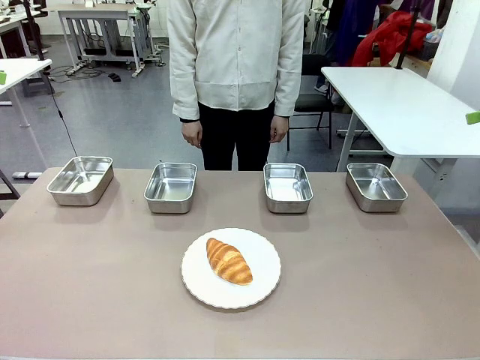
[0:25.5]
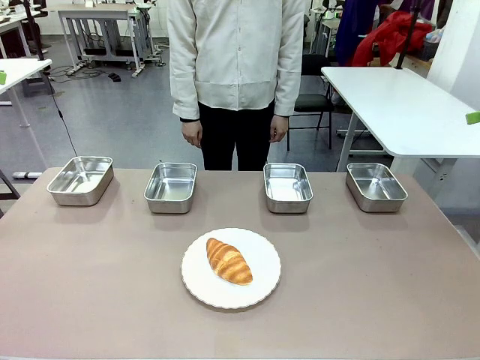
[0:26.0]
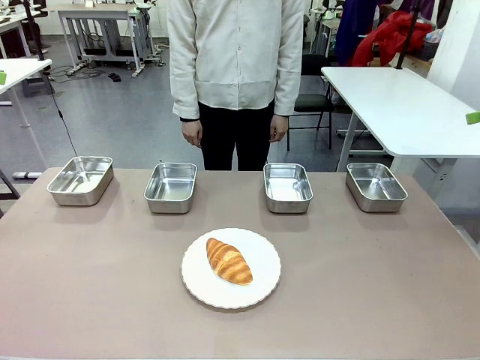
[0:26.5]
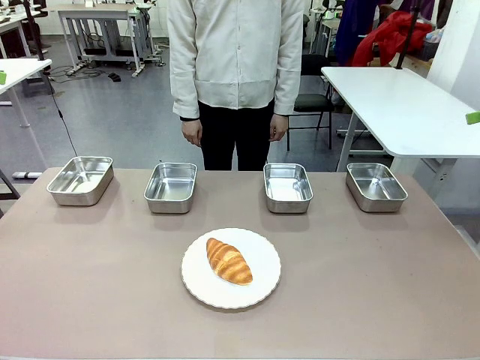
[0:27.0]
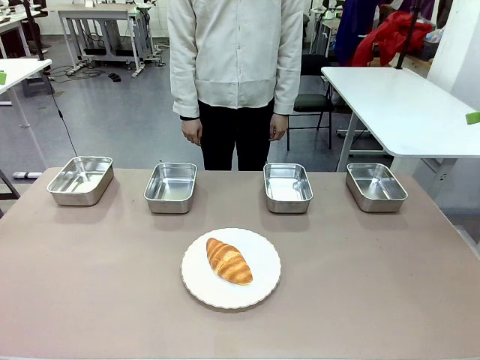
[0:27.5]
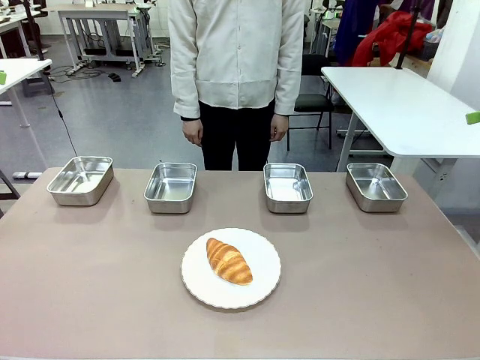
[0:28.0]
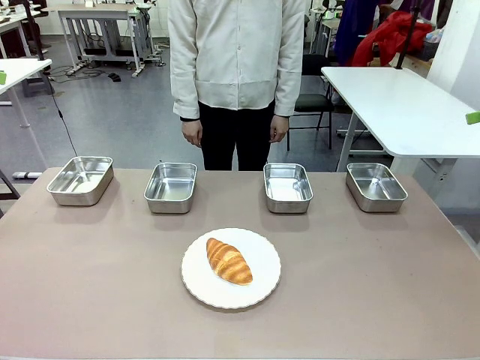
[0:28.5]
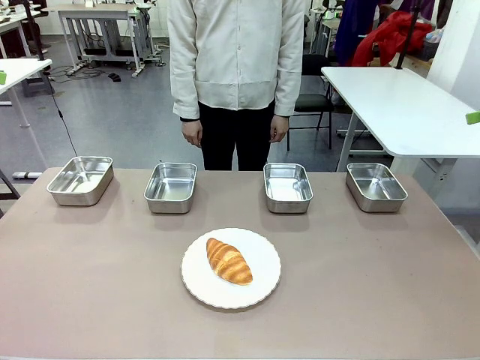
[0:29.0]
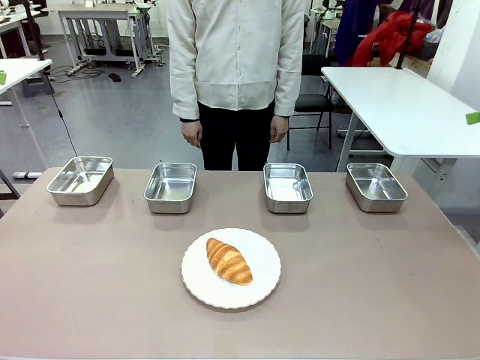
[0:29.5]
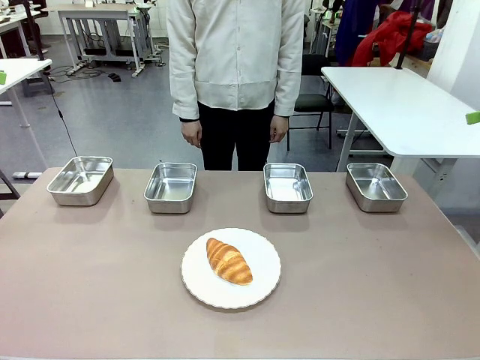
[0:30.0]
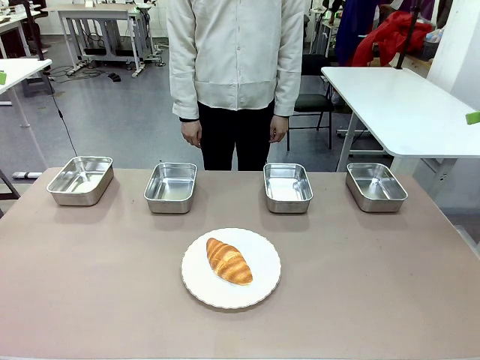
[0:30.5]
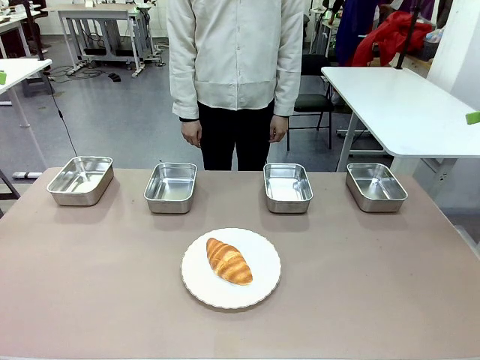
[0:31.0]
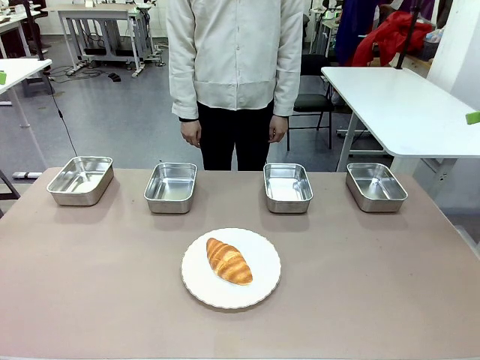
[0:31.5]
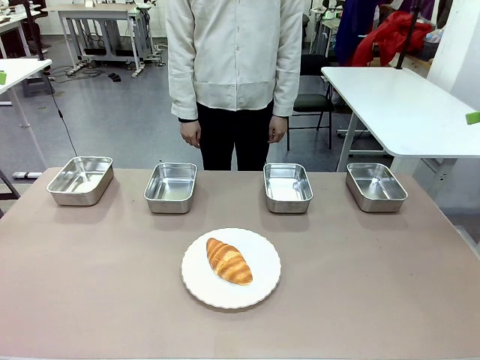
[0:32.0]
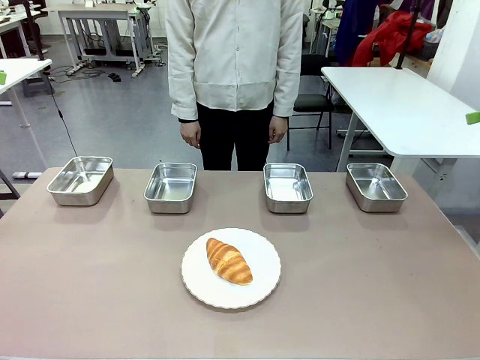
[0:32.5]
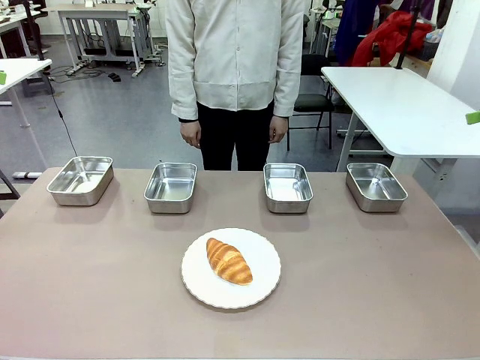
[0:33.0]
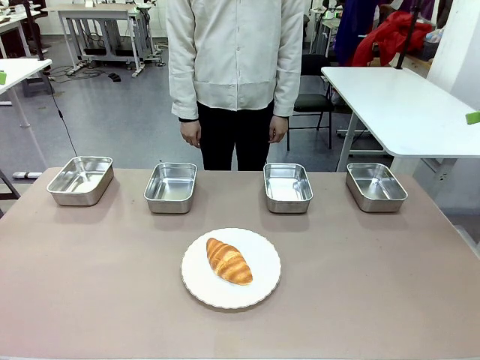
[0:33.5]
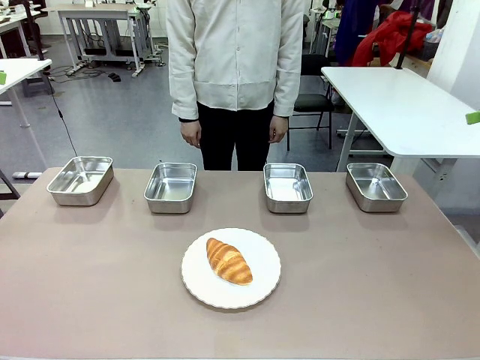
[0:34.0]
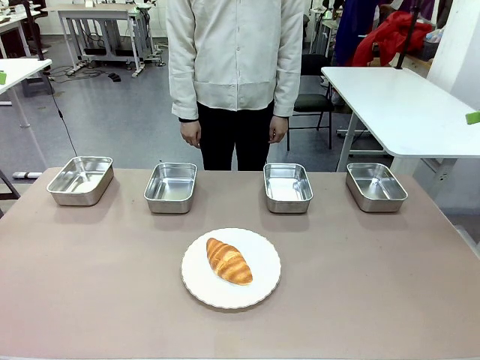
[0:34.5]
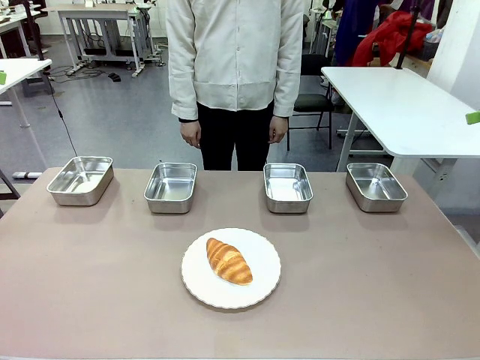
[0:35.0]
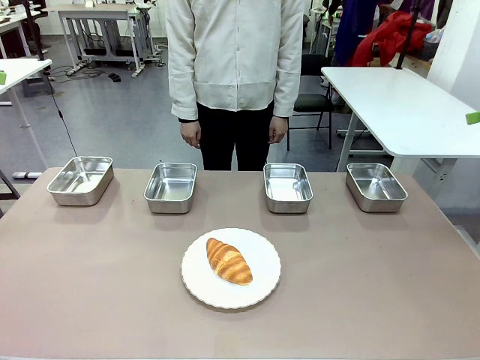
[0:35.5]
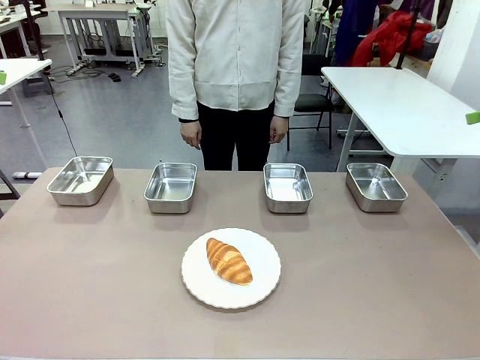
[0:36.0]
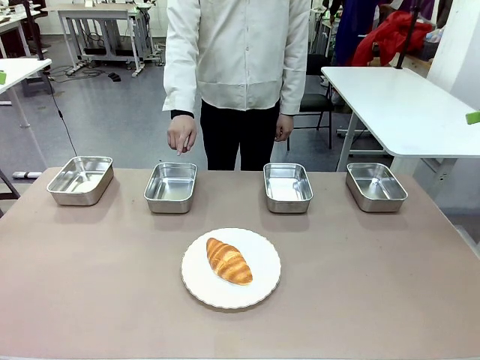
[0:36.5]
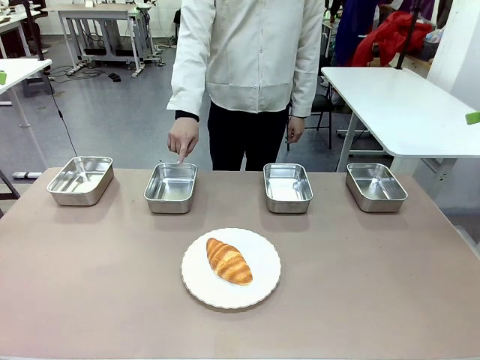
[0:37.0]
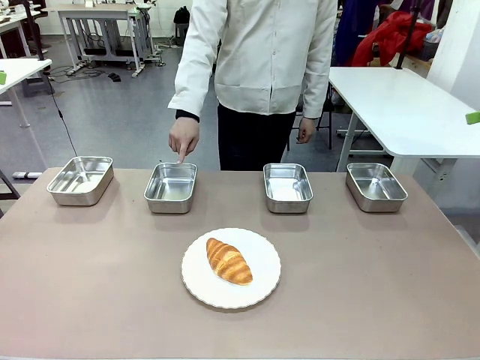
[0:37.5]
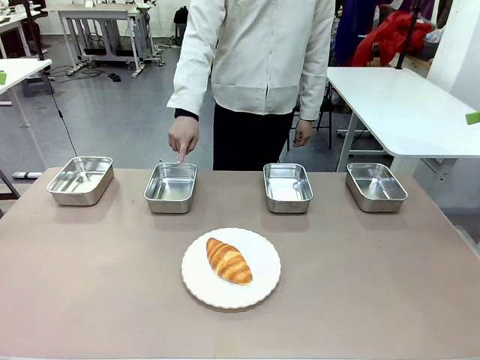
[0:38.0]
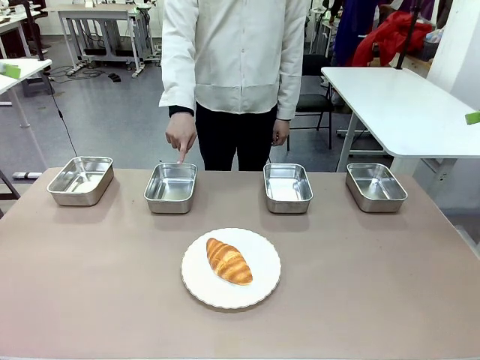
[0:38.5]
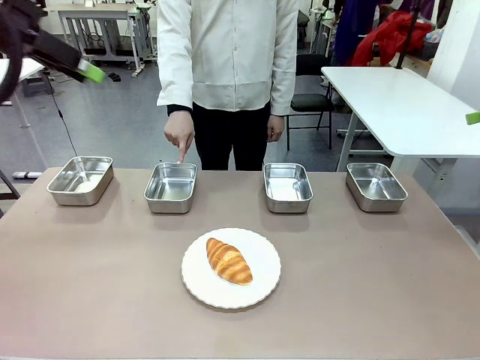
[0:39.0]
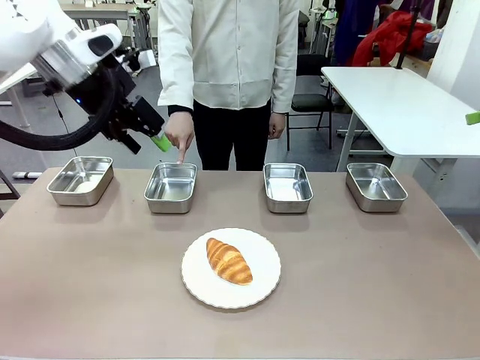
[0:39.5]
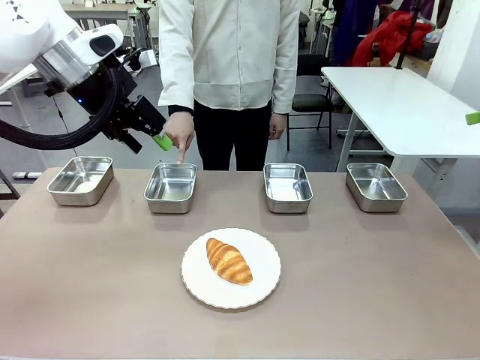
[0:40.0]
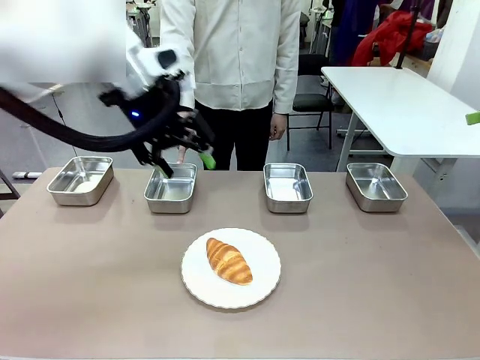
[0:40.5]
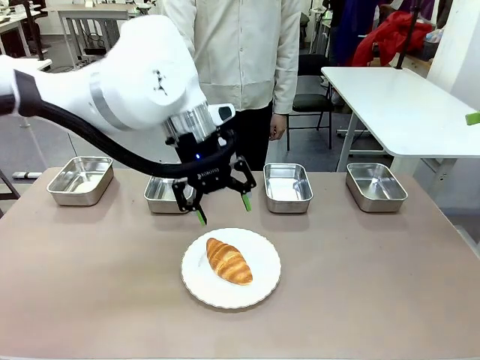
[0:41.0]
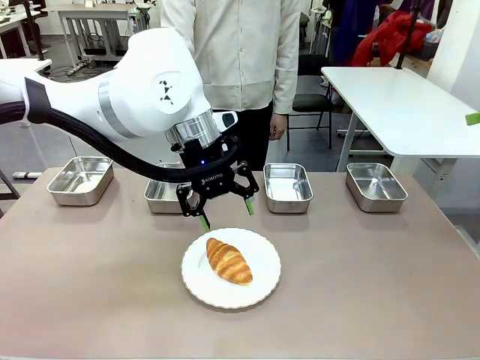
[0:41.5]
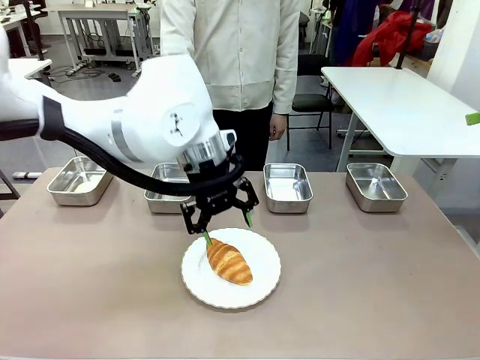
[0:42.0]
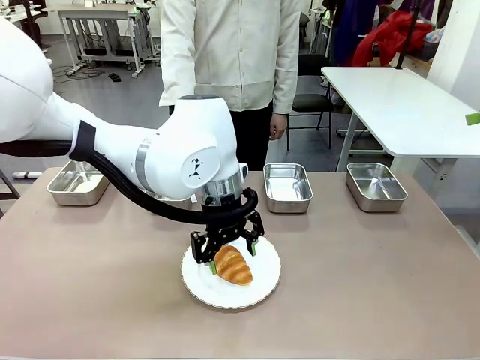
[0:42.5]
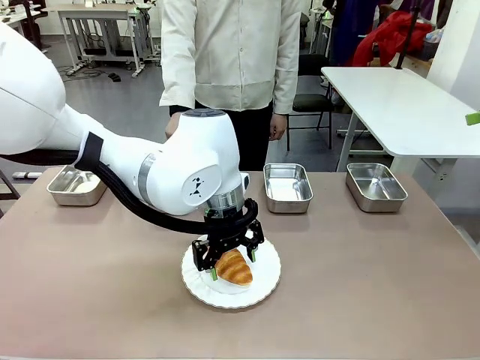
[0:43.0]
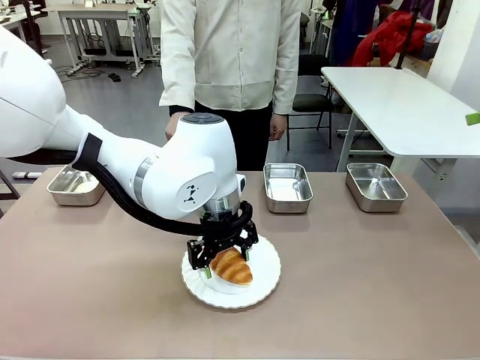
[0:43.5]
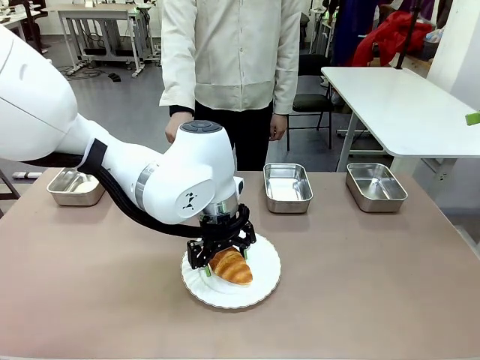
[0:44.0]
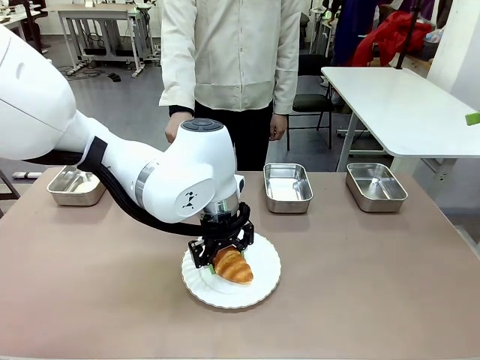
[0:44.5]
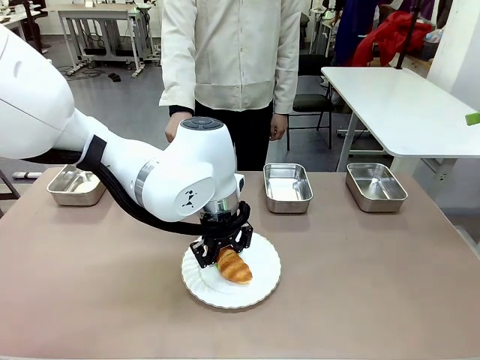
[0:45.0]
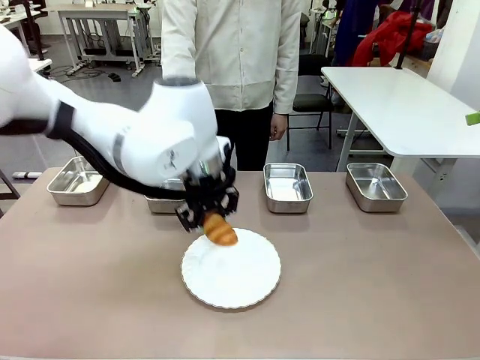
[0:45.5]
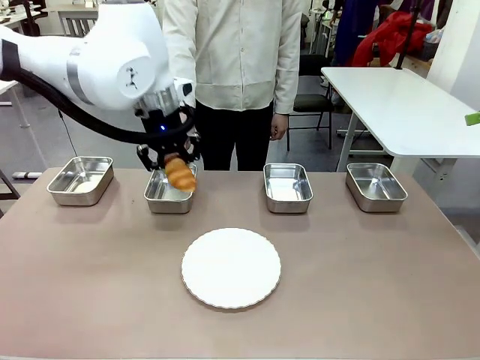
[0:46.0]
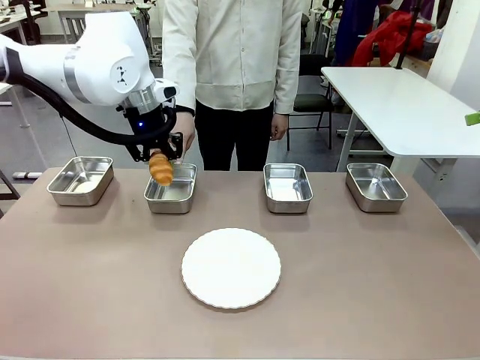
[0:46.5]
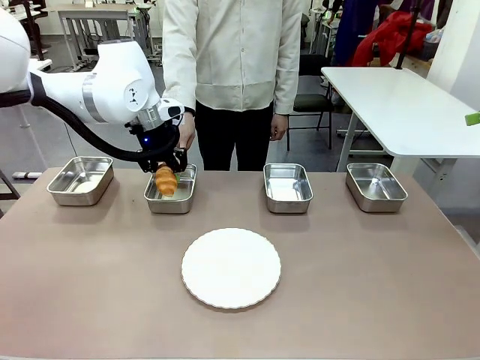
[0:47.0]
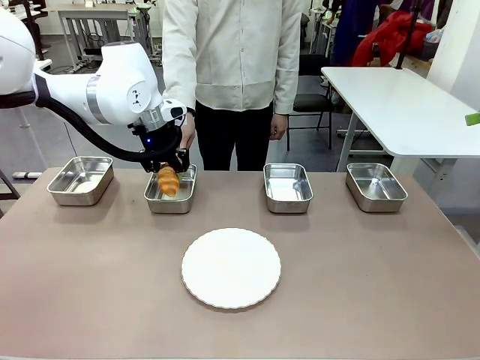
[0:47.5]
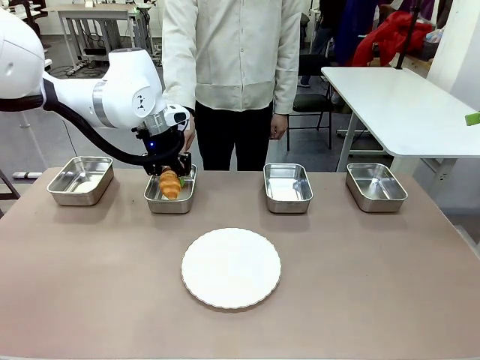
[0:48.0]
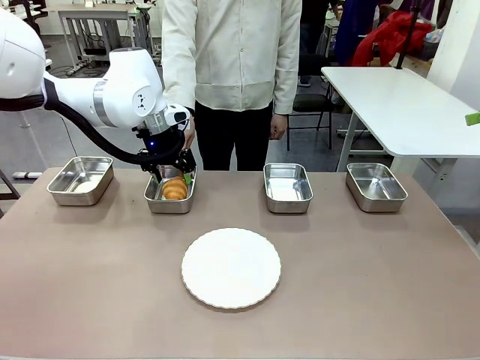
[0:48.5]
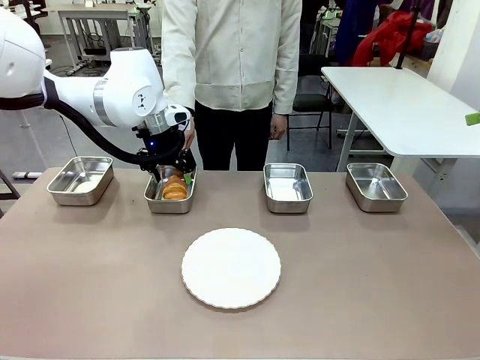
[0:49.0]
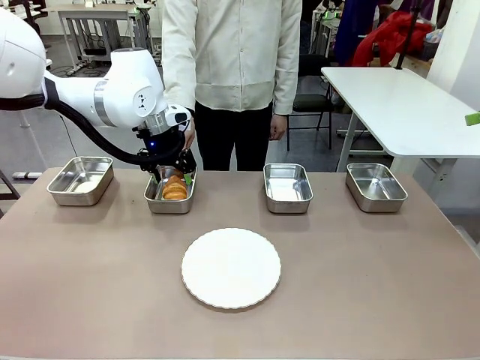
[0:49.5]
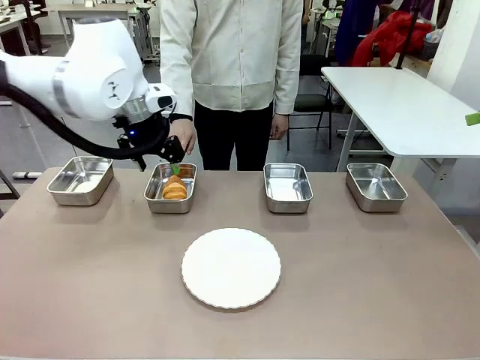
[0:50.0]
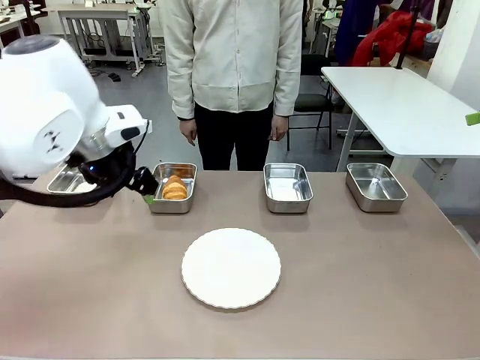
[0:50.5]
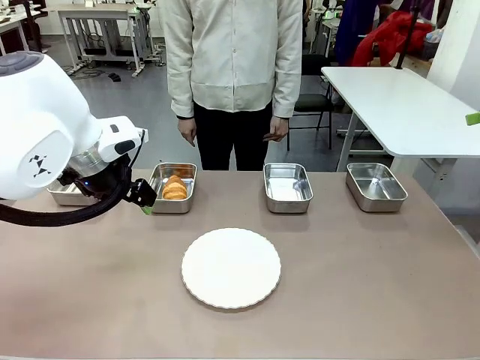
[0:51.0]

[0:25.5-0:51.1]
Task: Place the bread in the container.
Robot: Place the Butter Roll into the Airtight Container indicated by the human.
Person: A person randomly selects and points to an Airtight Container.
